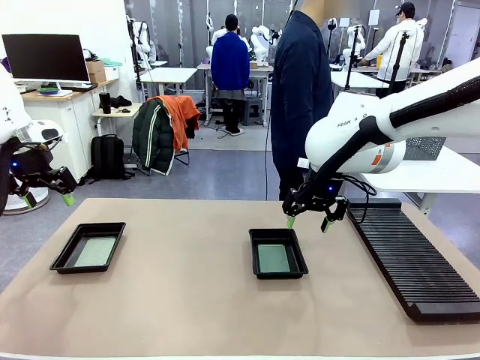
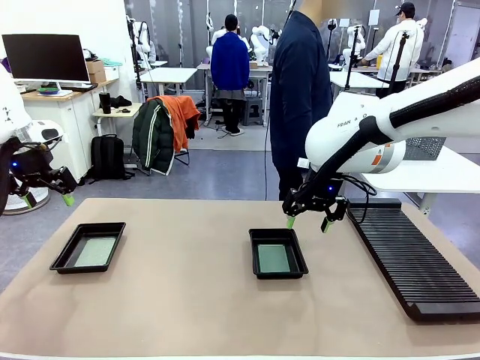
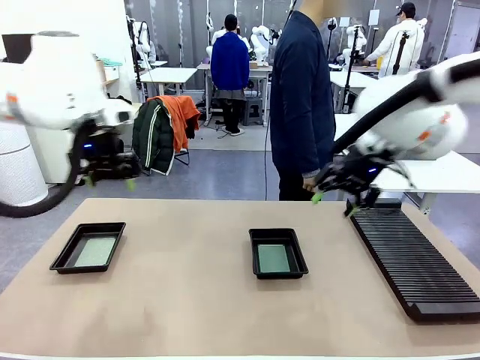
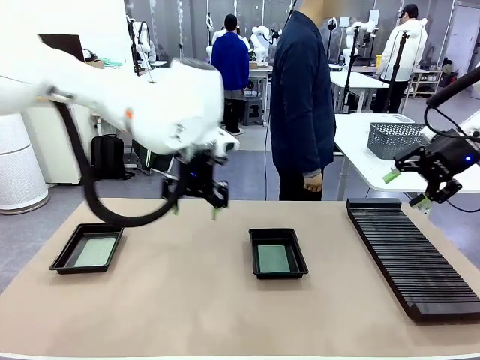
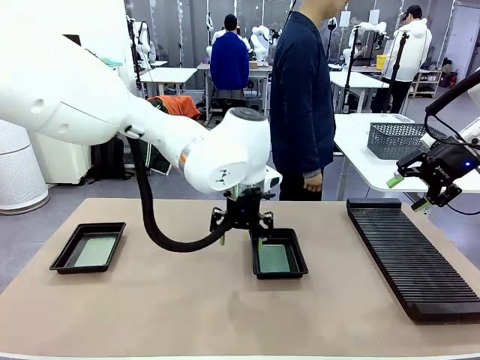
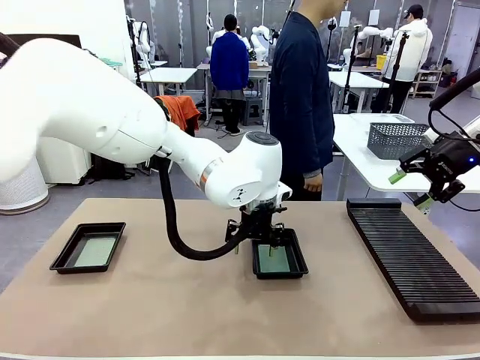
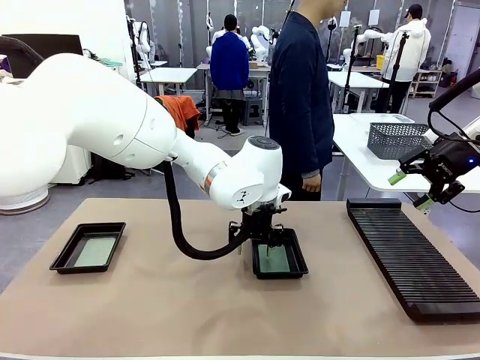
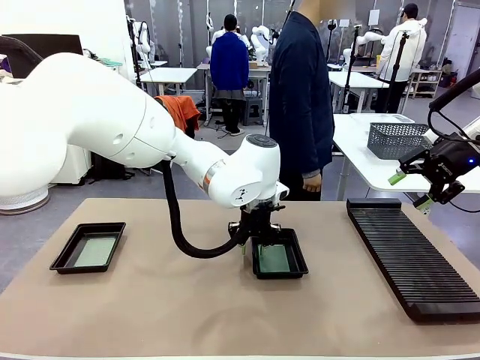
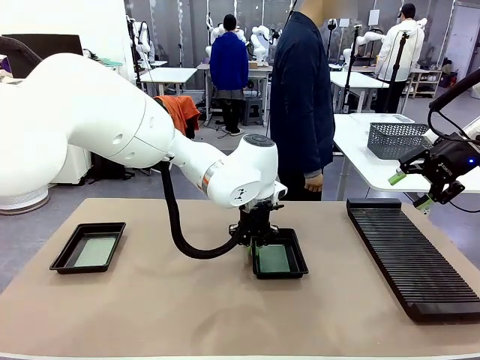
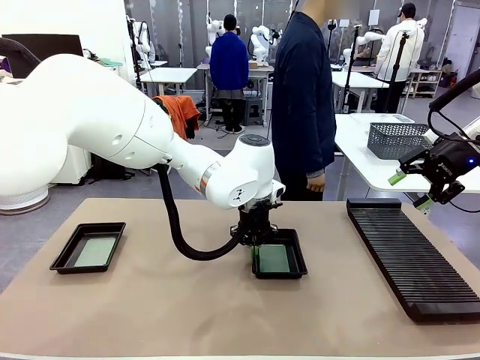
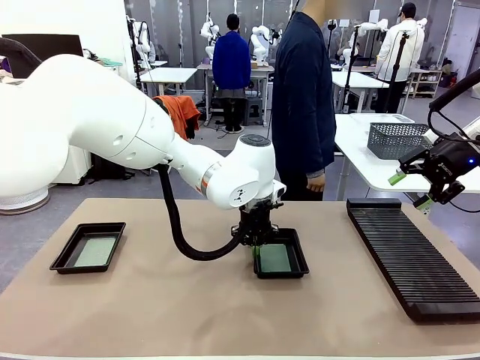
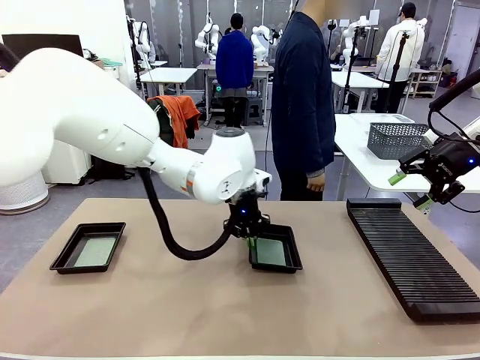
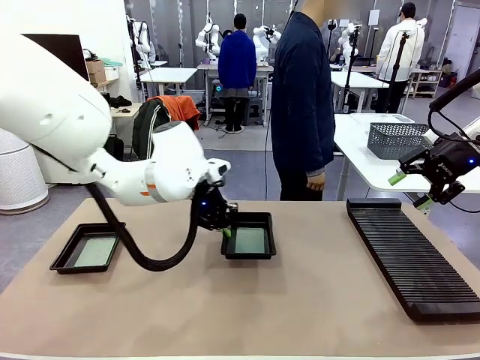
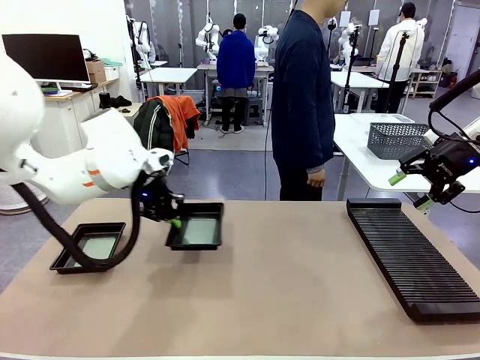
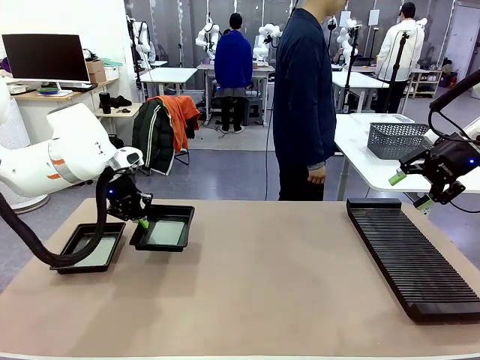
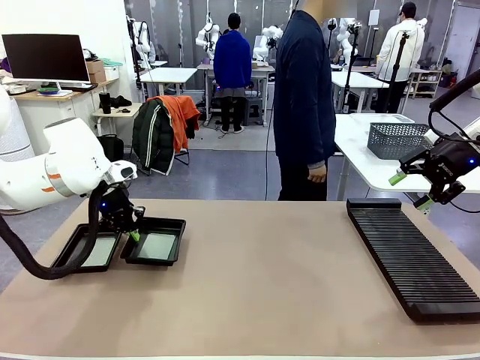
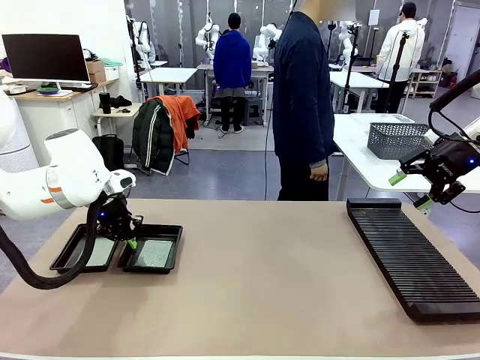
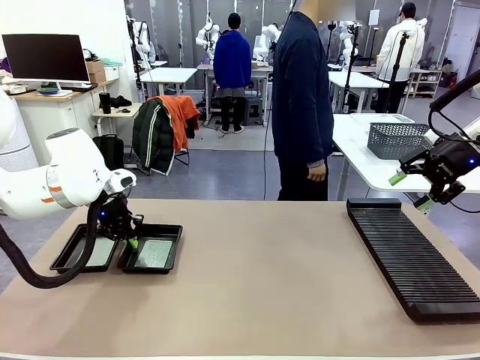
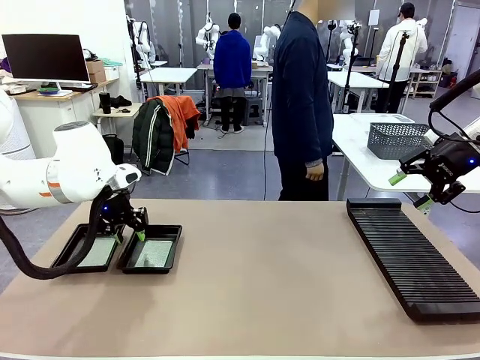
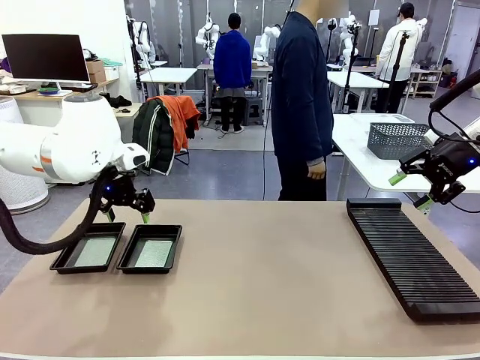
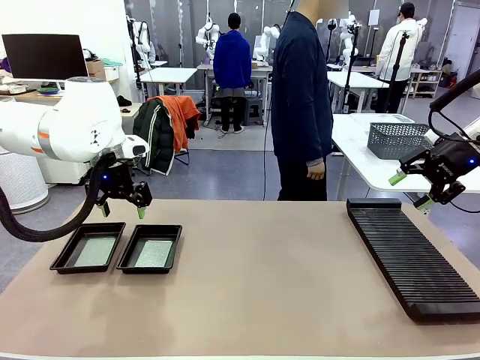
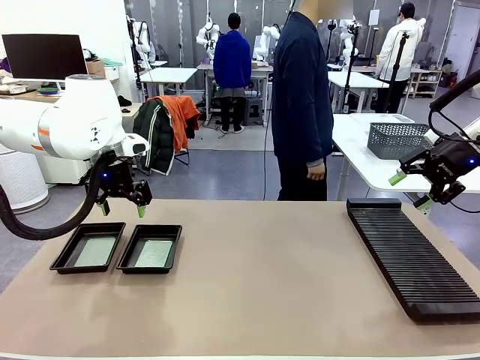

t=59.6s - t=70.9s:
Task: Inspect and transfer BCBs to ESD trays.
Robot: Pick up the ESD tray and place it on the left side of the table.

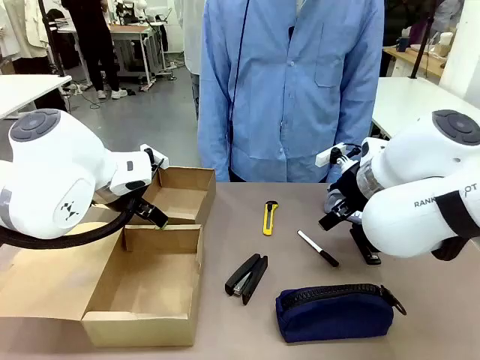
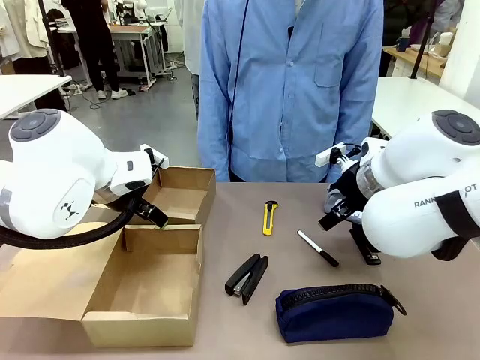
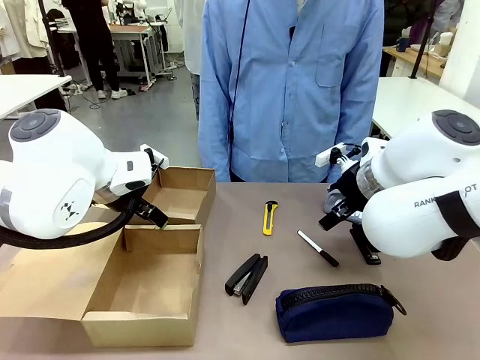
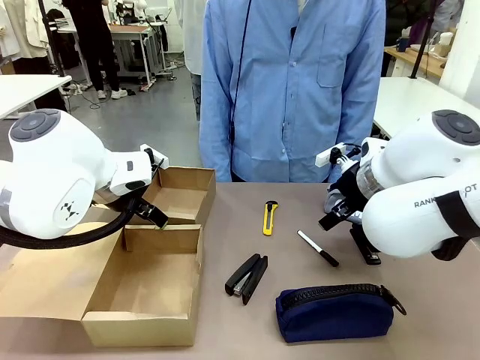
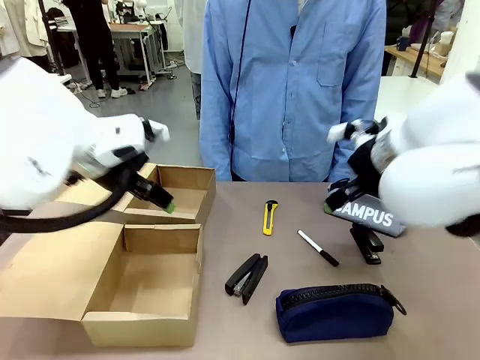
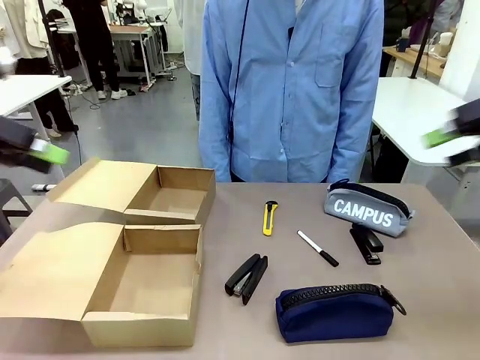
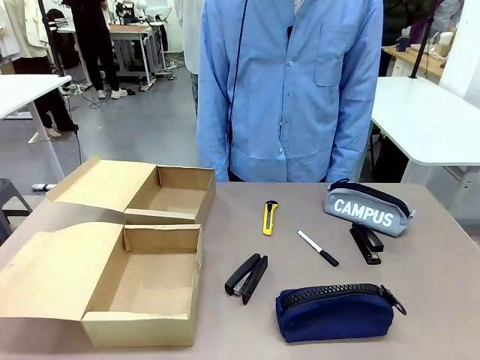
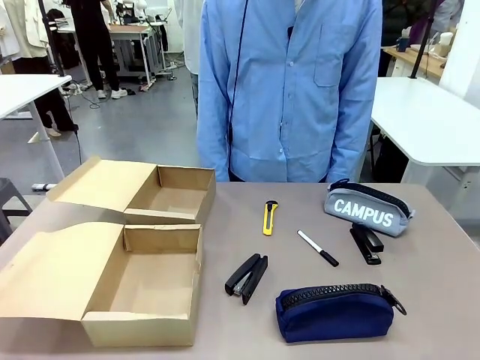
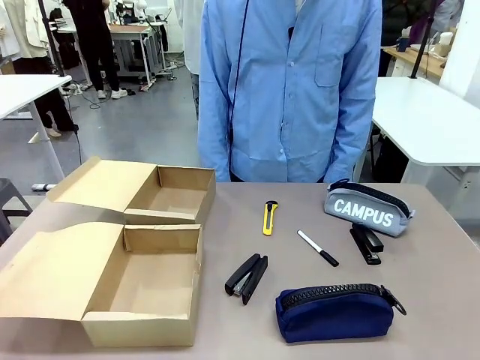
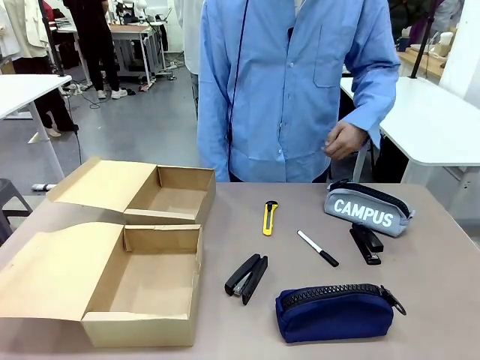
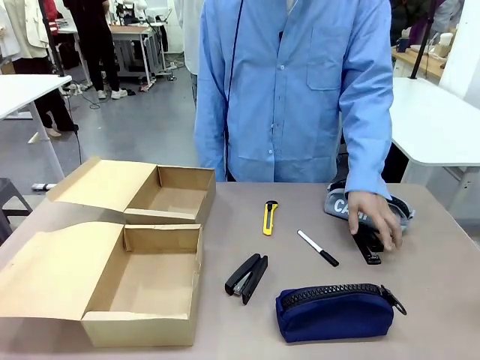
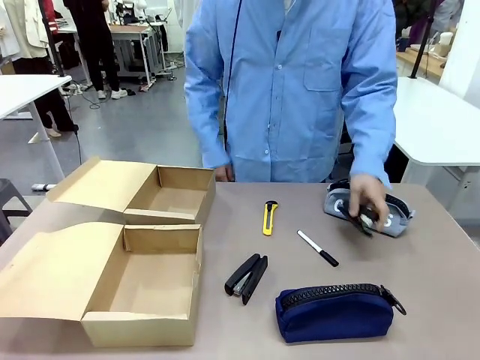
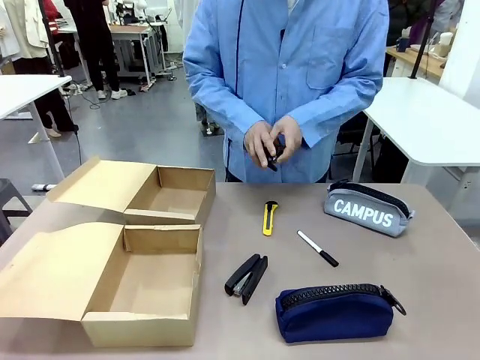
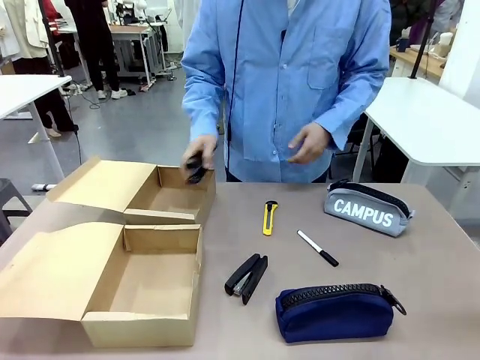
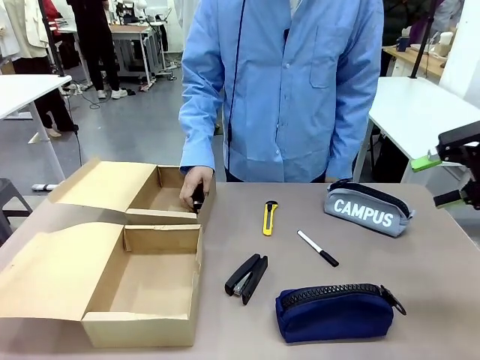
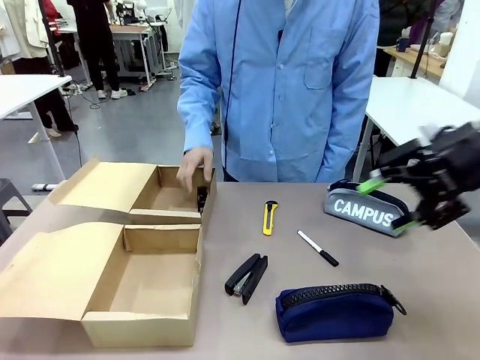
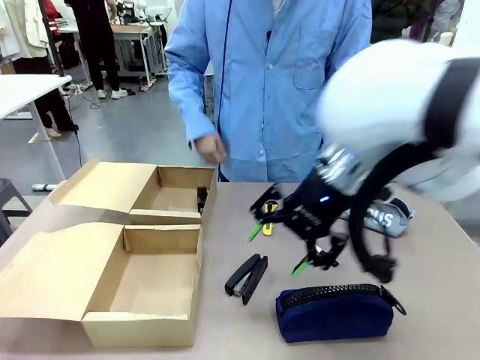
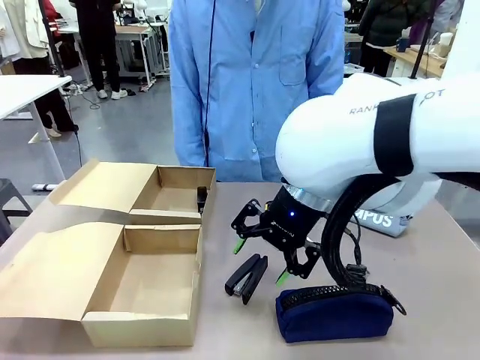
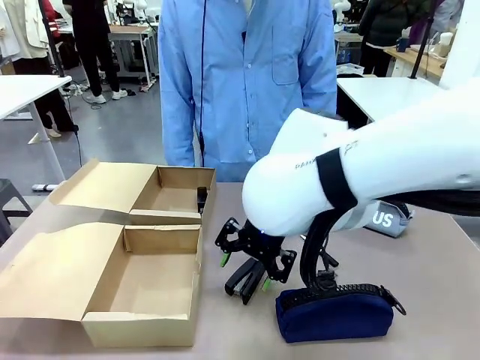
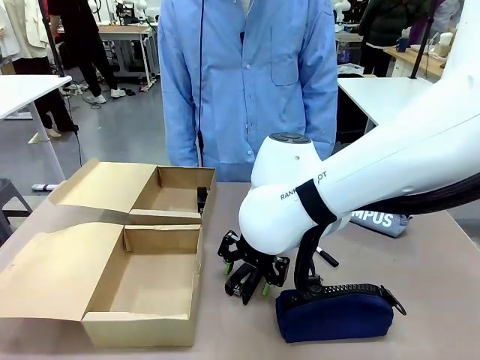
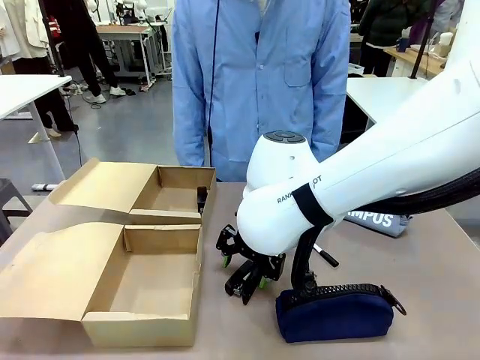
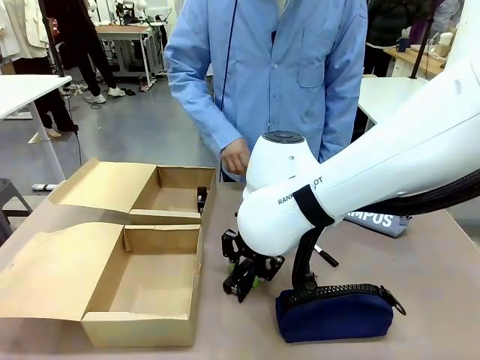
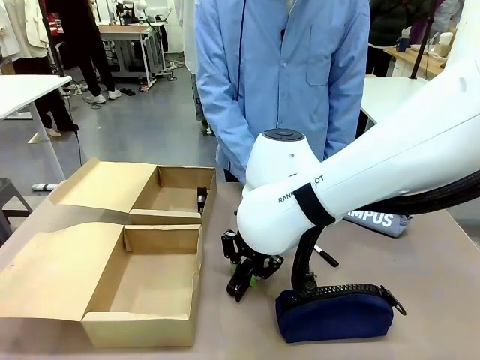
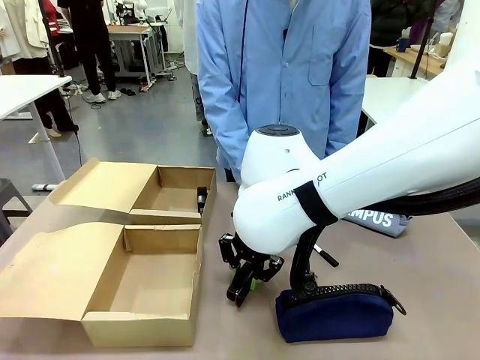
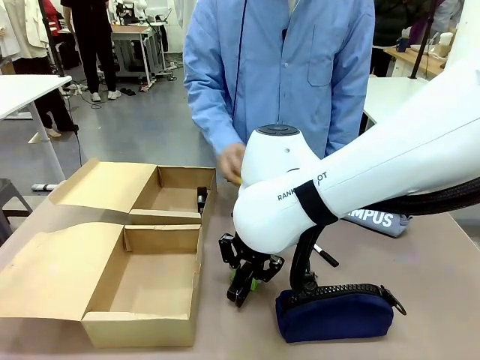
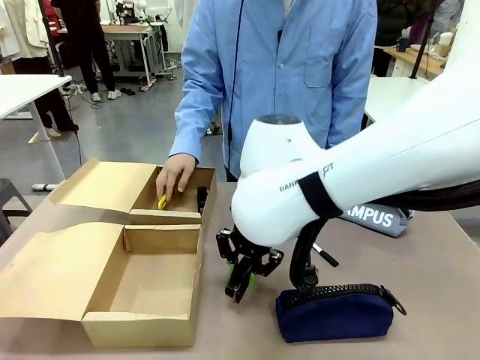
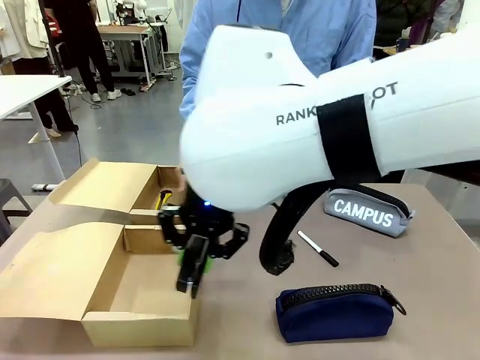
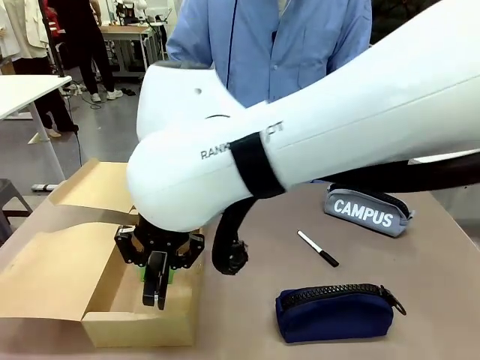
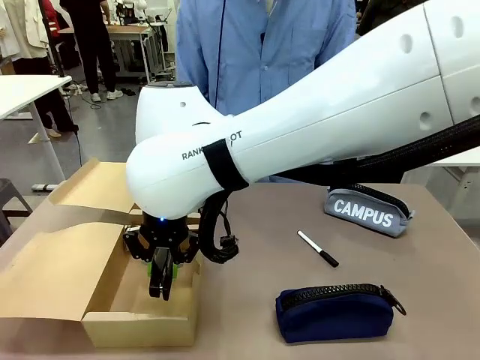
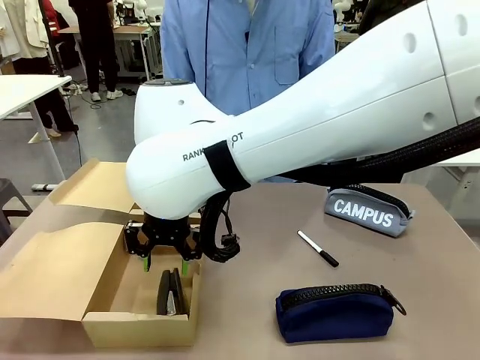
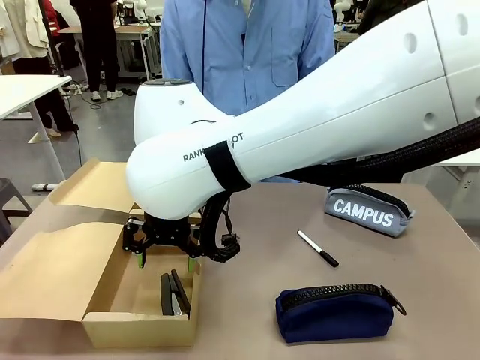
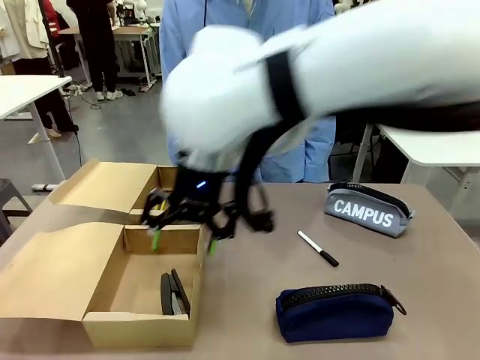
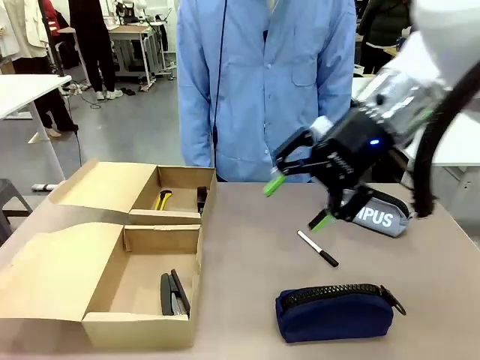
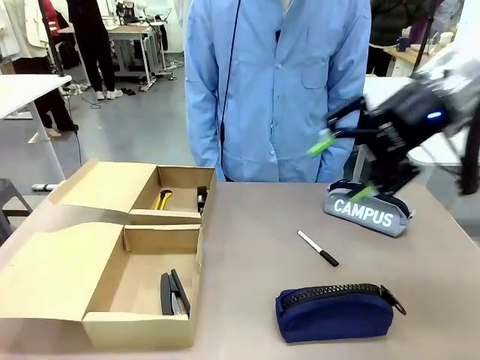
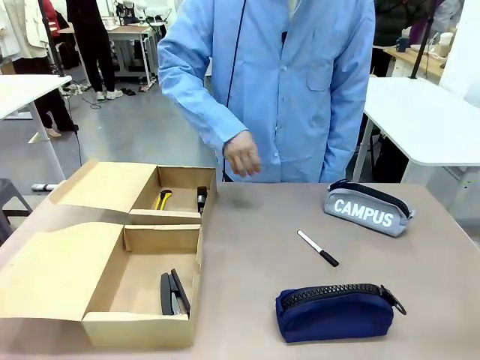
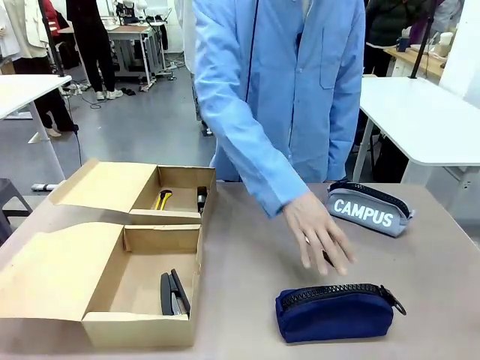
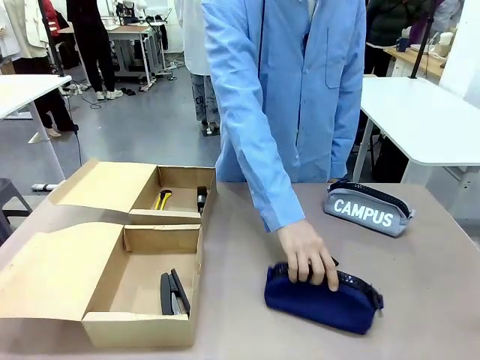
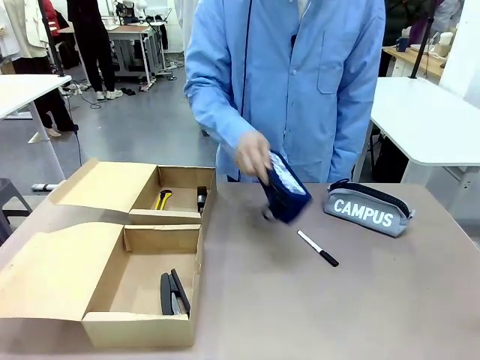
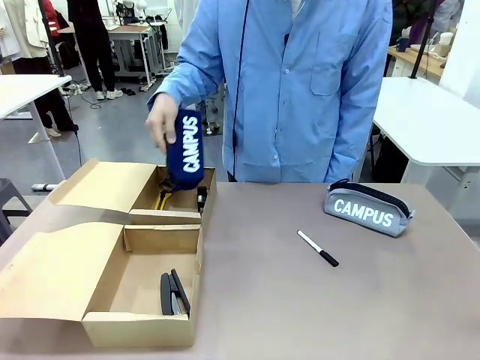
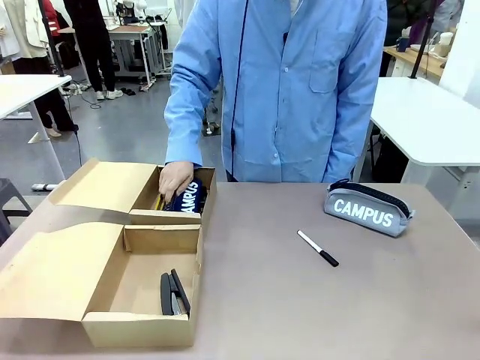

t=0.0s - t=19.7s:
Task: Place items inside the box.
Robot: Pick up a Pencil pouch or Stapler and place it inside the Mailer Box closest to the robot.
Person: Pick up an object on the table and put it in the box.
